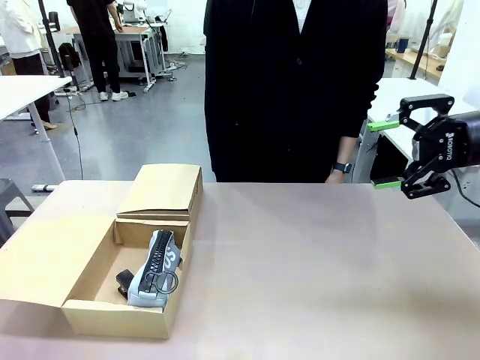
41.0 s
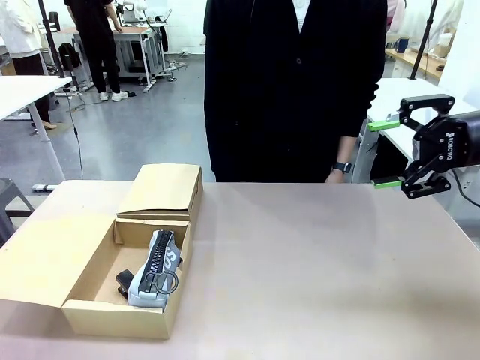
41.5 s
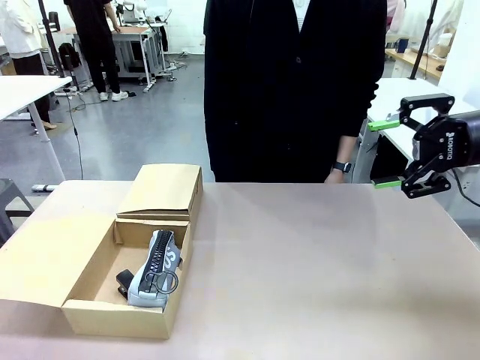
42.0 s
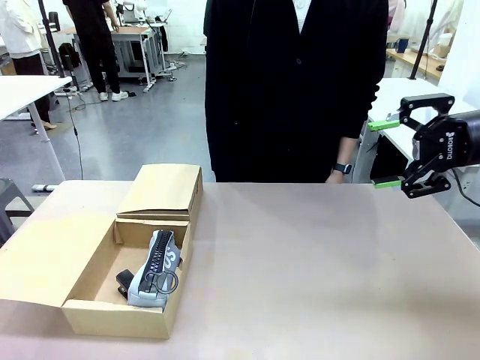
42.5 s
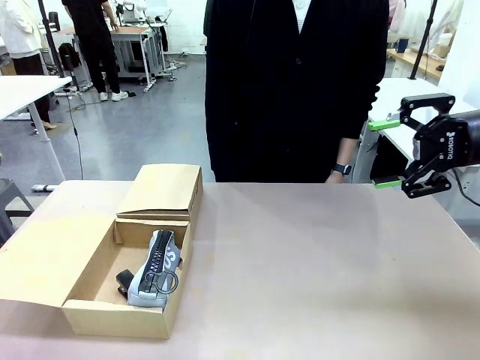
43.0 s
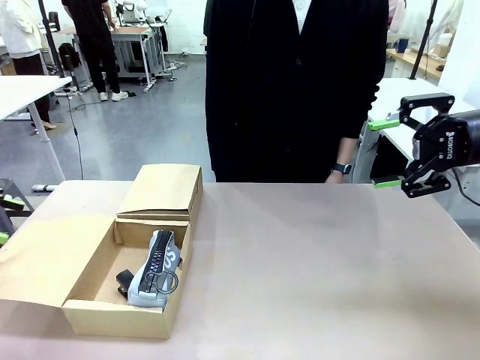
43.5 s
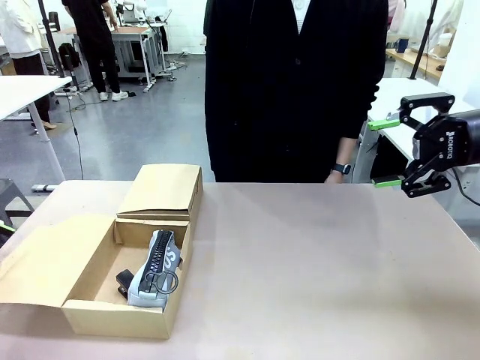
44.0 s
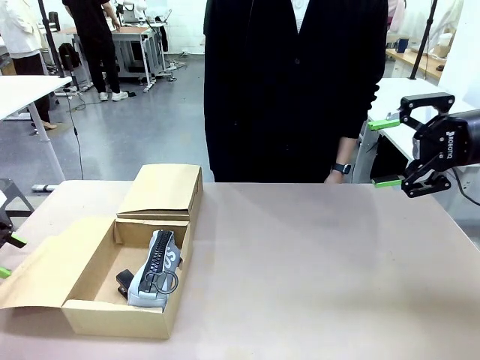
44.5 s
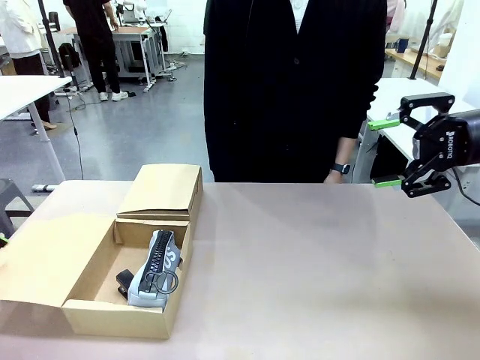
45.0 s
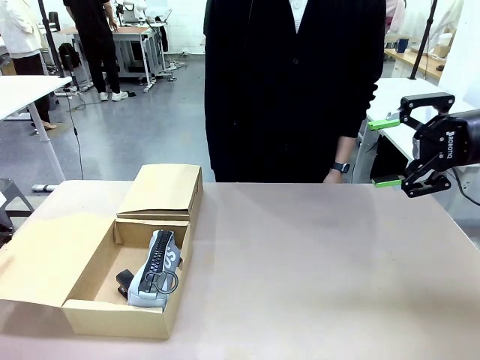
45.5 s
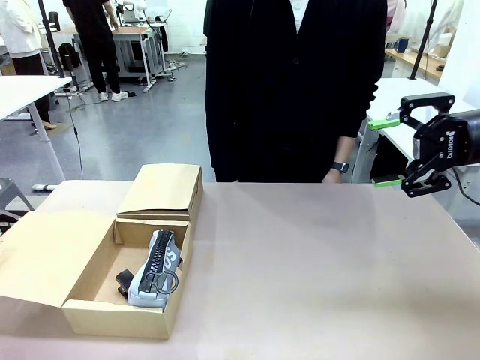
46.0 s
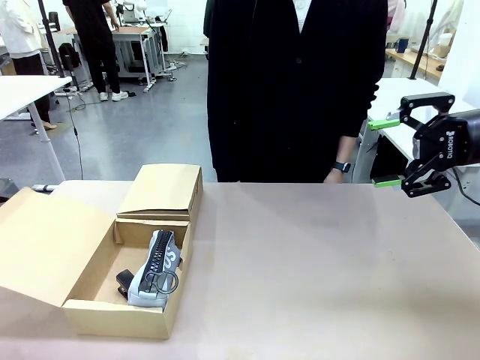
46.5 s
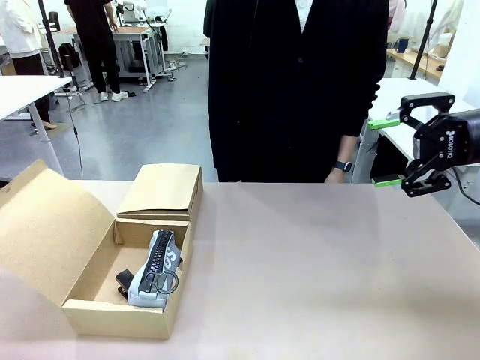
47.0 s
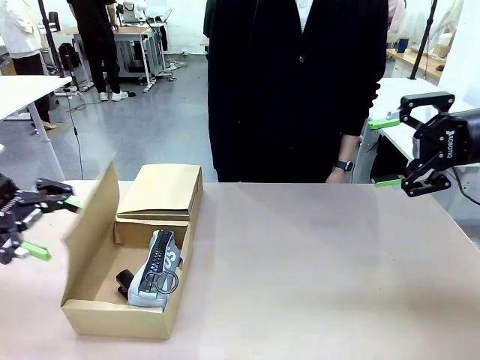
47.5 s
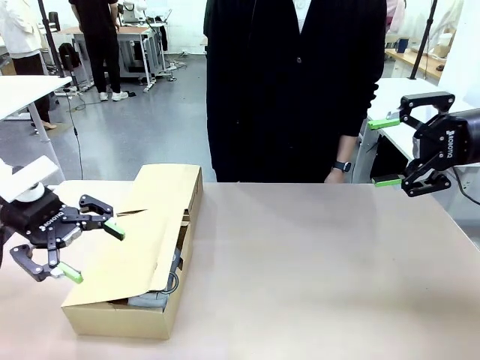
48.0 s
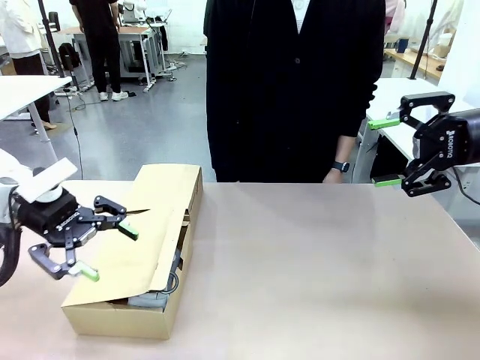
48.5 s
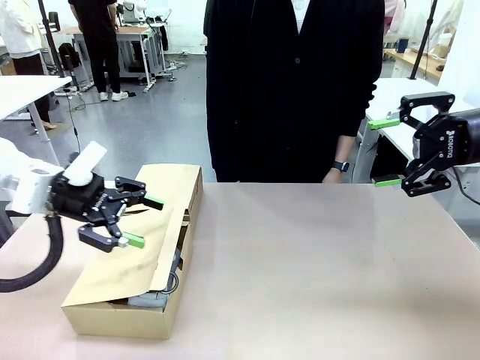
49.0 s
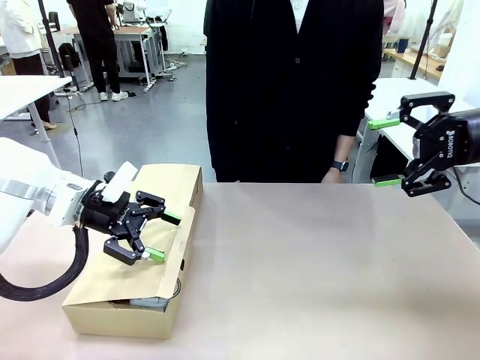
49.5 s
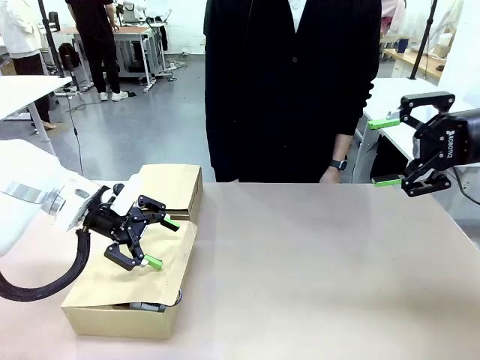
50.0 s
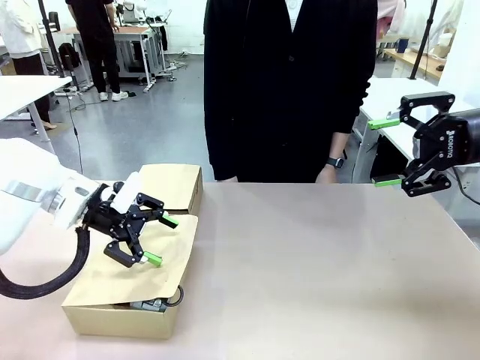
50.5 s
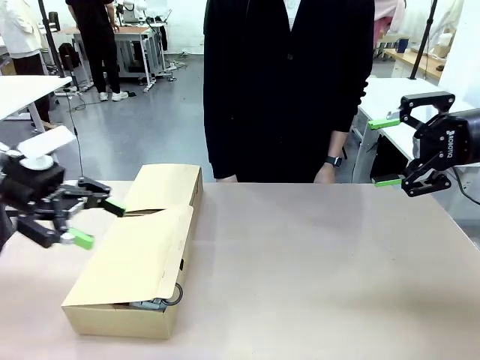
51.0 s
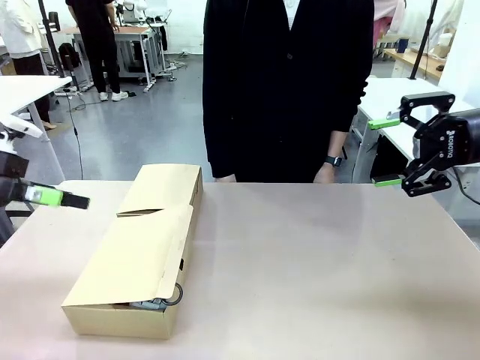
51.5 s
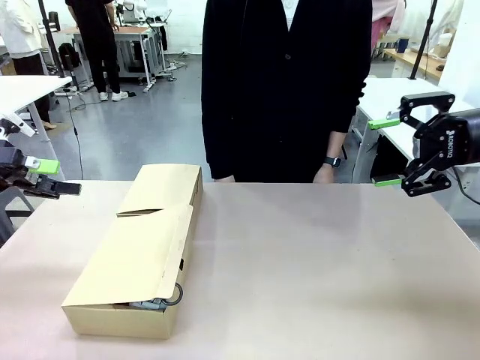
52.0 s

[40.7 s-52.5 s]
Task: Place items inside the box.
Robot: Close the lid of the Mailer Box closest to the robot.

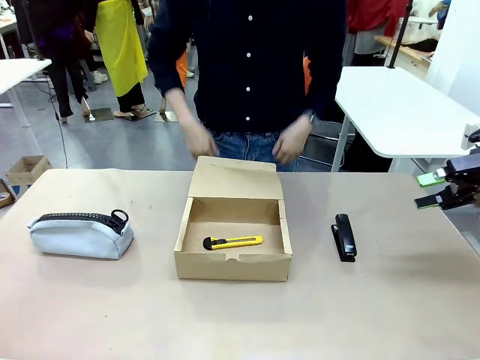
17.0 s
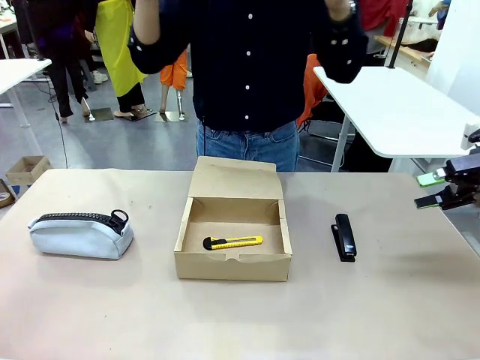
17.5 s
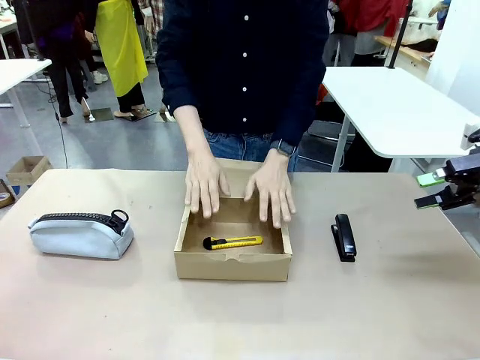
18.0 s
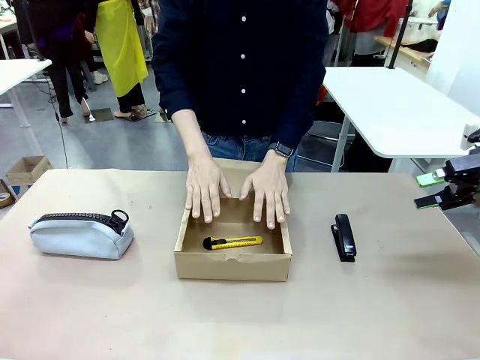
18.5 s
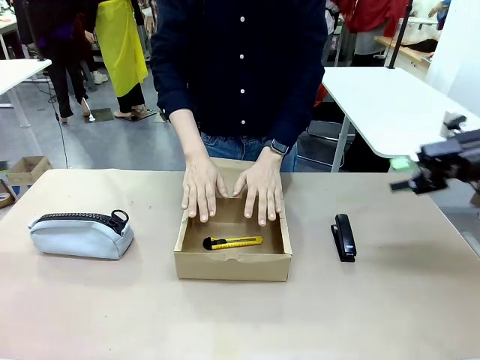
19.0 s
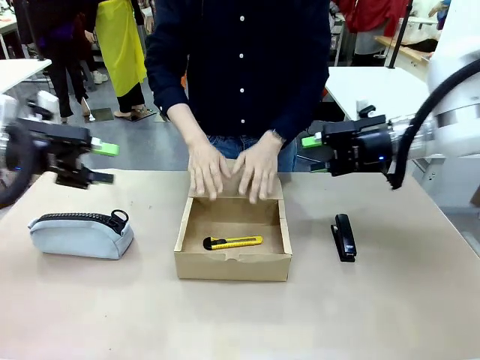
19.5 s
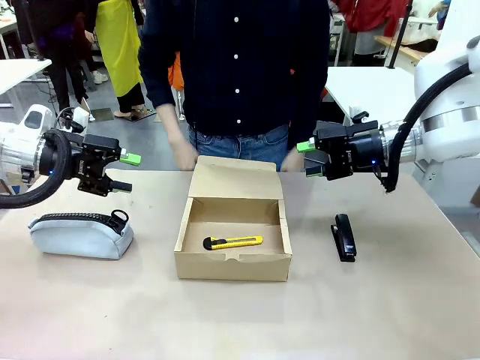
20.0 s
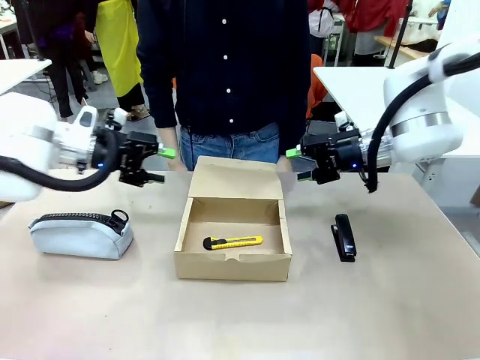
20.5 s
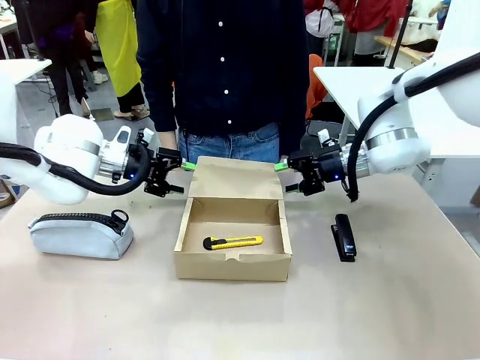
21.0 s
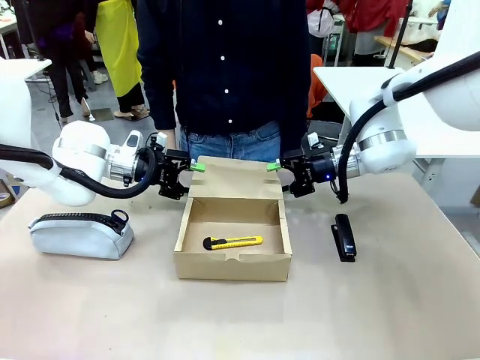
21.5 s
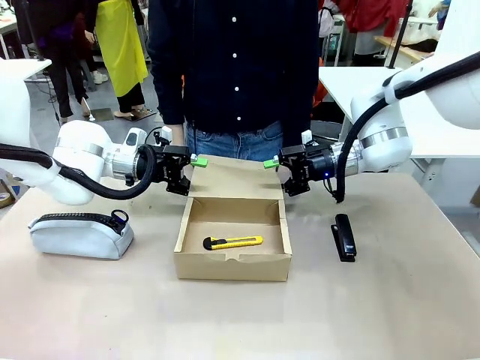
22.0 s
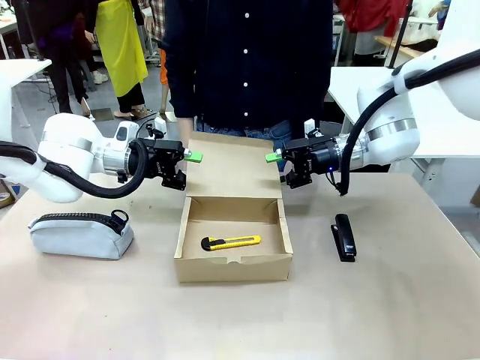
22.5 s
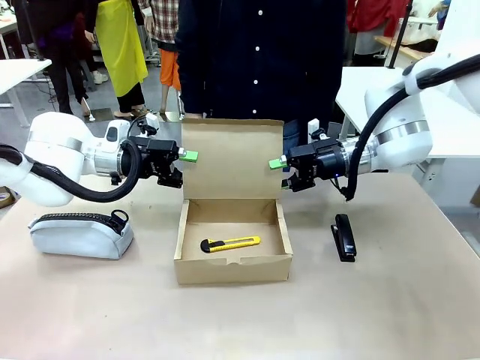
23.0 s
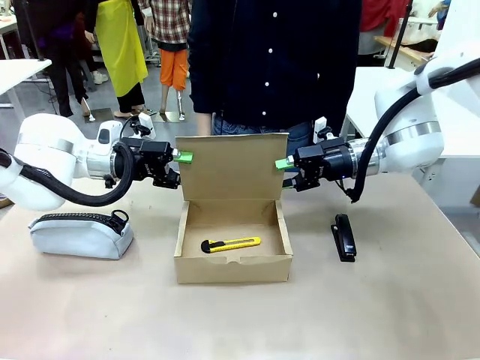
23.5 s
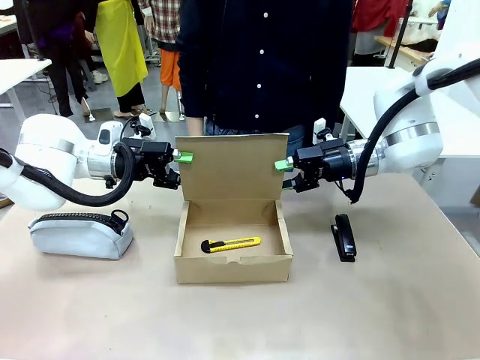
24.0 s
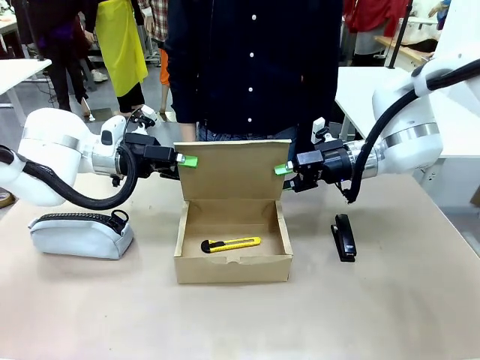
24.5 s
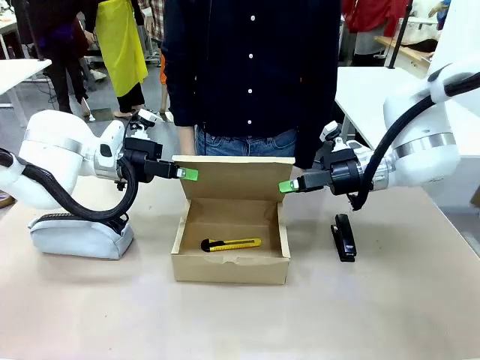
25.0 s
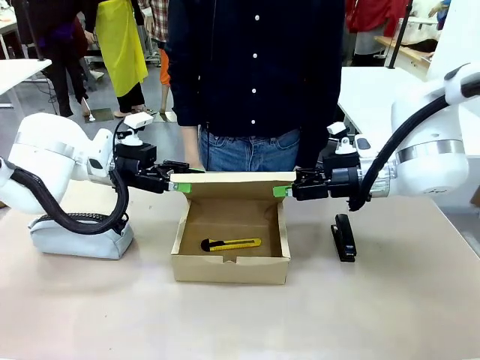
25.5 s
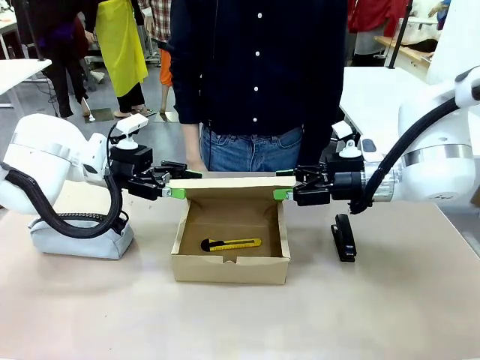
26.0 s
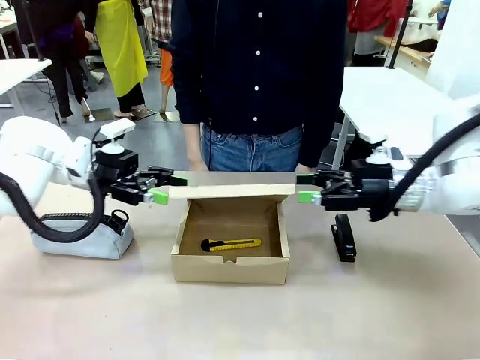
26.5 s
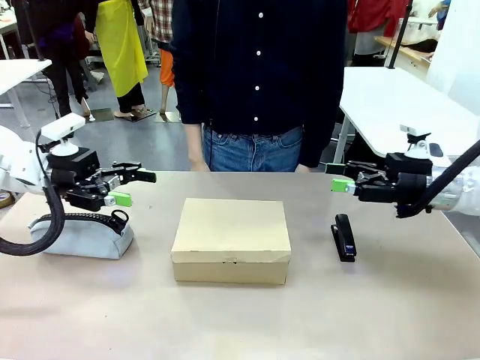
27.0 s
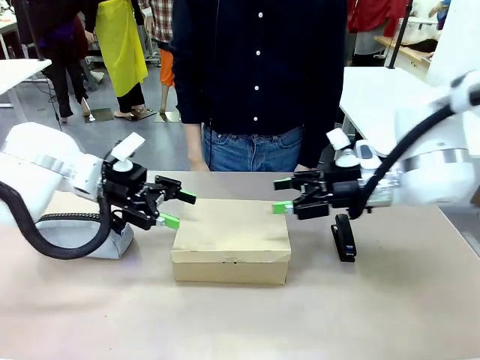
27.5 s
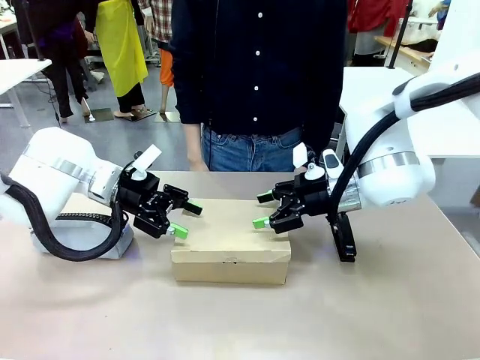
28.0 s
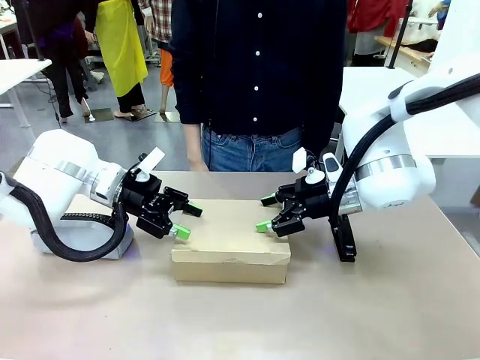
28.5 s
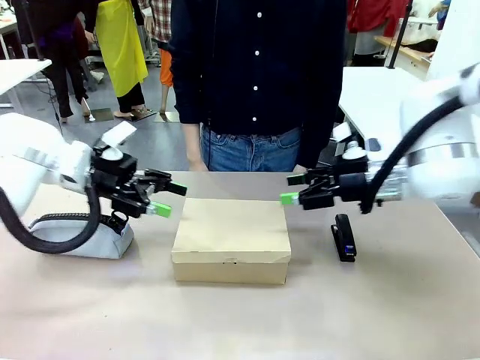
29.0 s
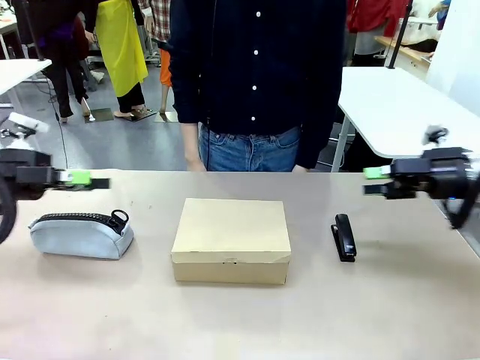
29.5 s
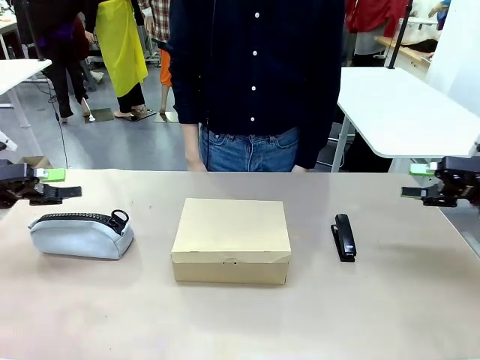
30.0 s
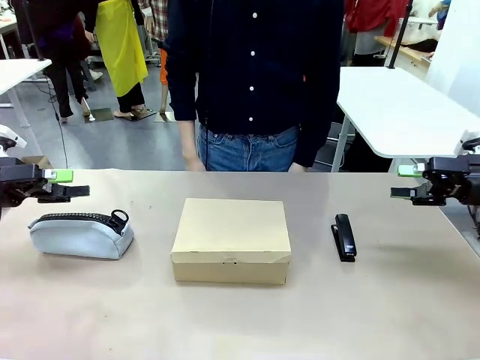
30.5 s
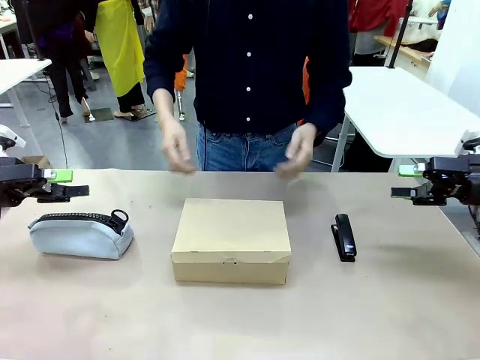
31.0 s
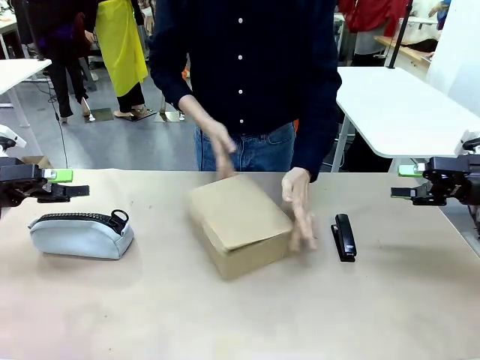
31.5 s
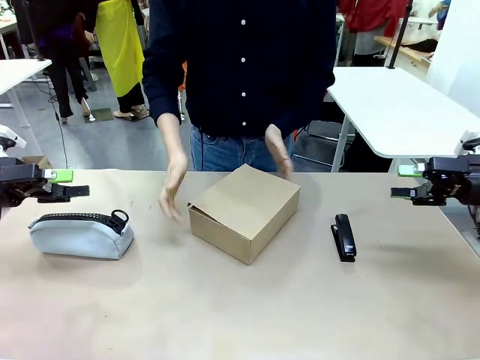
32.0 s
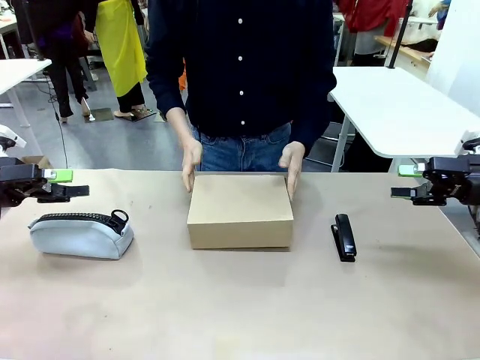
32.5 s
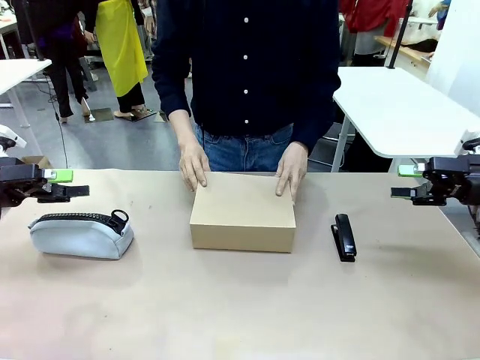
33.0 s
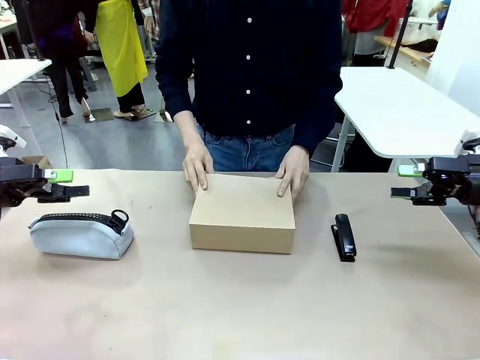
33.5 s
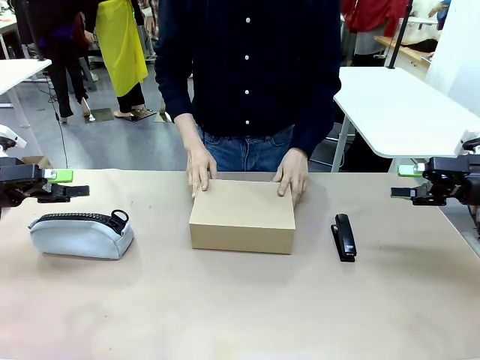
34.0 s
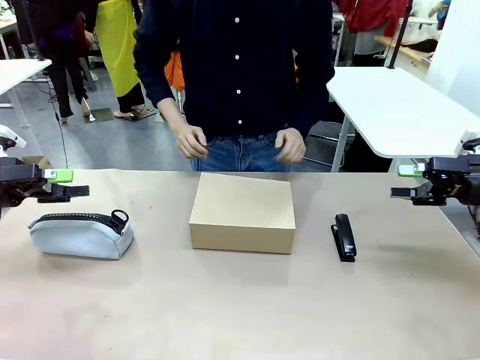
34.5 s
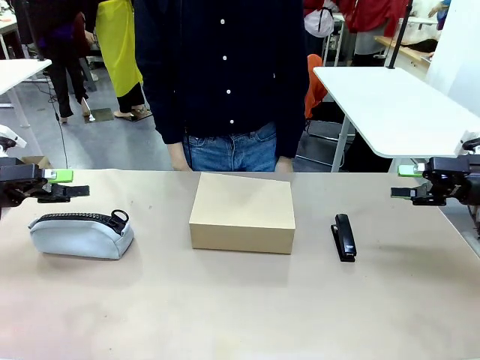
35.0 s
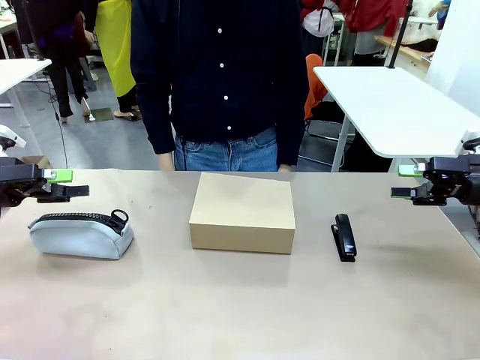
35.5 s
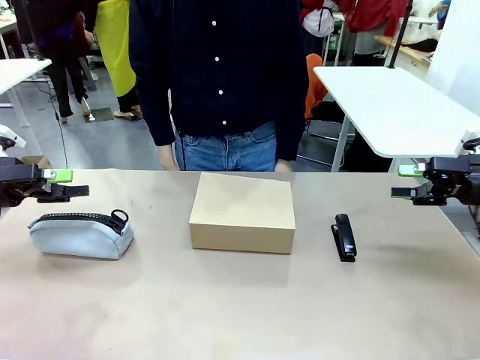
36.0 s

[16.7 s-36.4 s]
Task: Pack the item into the box.
Robot: Close the Mailer Box.
Person: Turn the box and lock it.
